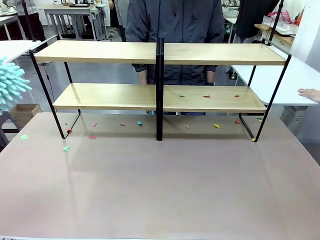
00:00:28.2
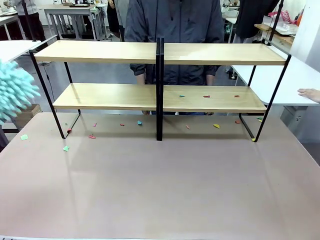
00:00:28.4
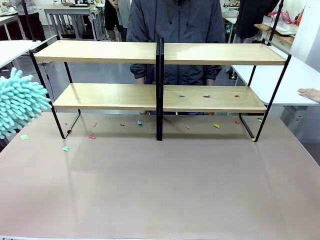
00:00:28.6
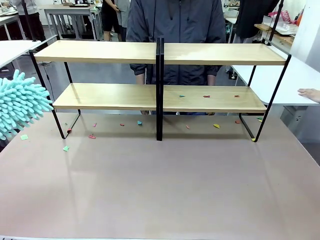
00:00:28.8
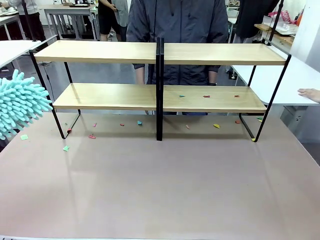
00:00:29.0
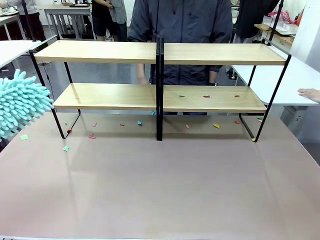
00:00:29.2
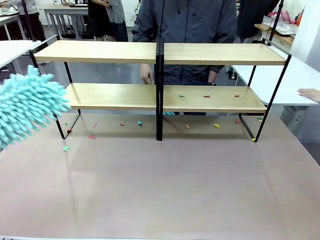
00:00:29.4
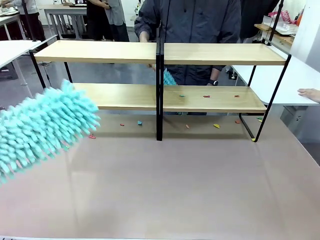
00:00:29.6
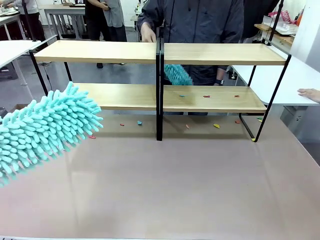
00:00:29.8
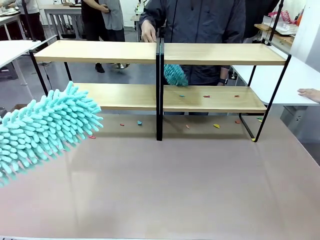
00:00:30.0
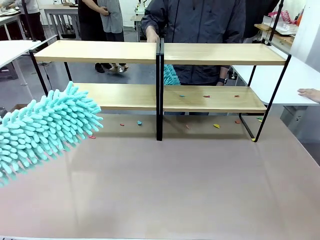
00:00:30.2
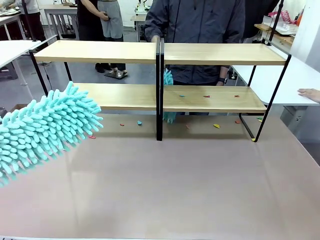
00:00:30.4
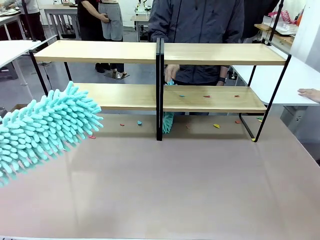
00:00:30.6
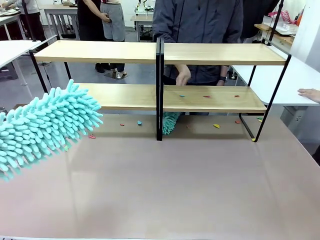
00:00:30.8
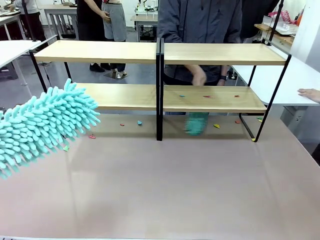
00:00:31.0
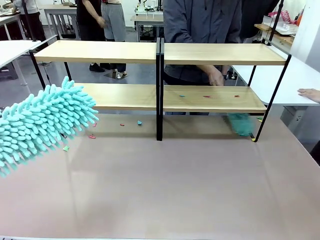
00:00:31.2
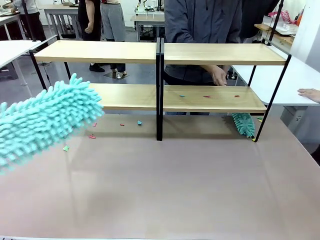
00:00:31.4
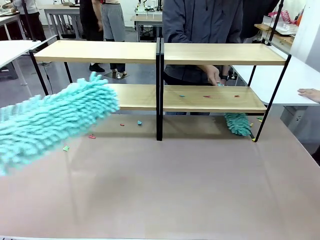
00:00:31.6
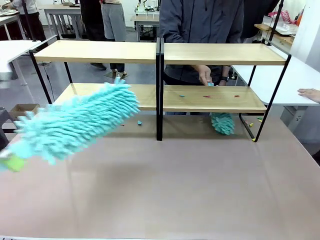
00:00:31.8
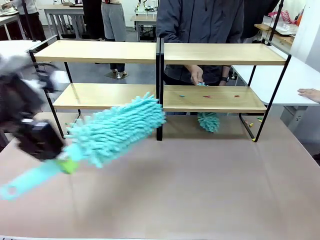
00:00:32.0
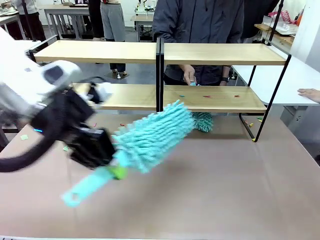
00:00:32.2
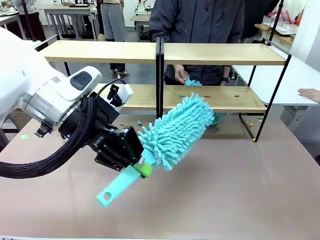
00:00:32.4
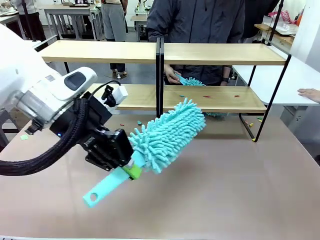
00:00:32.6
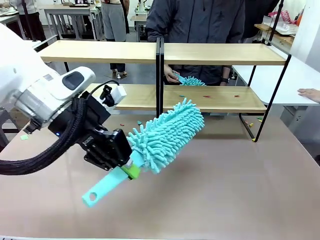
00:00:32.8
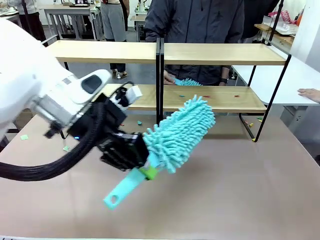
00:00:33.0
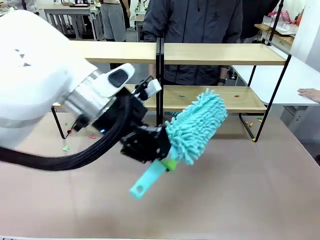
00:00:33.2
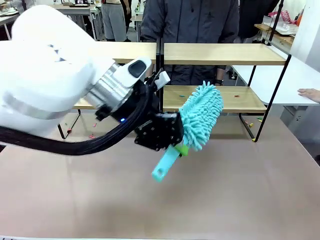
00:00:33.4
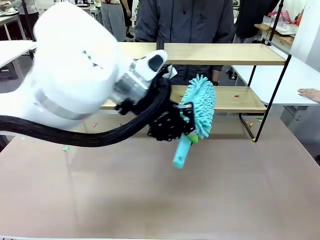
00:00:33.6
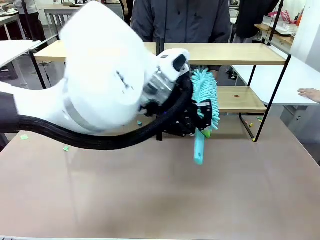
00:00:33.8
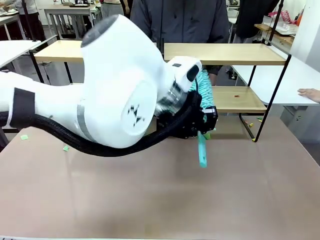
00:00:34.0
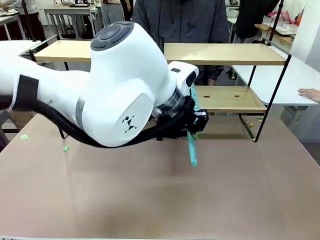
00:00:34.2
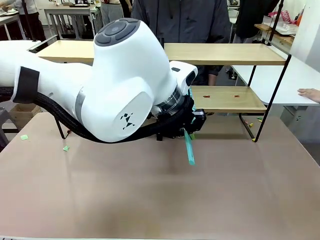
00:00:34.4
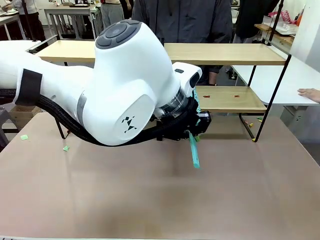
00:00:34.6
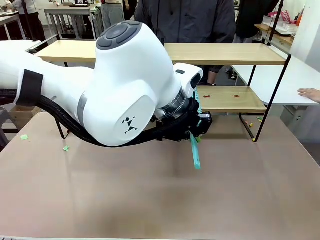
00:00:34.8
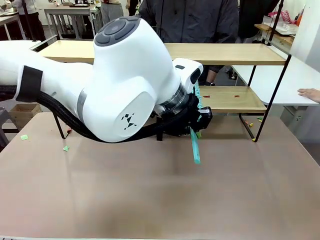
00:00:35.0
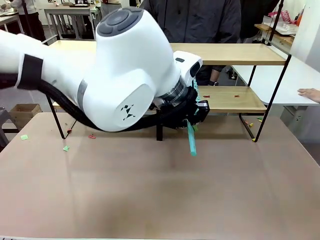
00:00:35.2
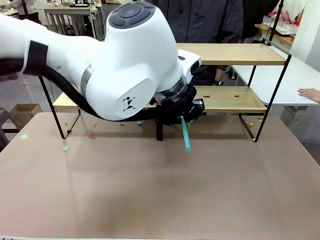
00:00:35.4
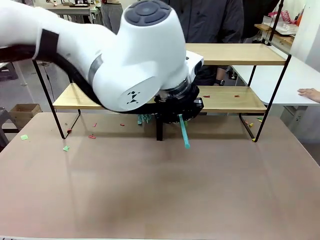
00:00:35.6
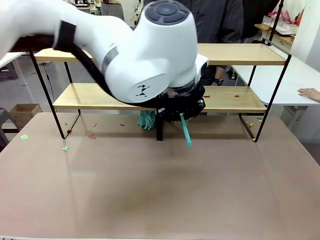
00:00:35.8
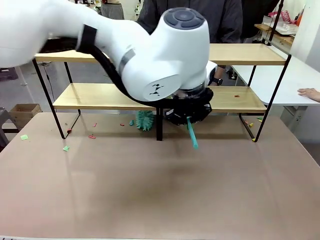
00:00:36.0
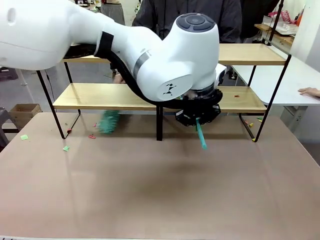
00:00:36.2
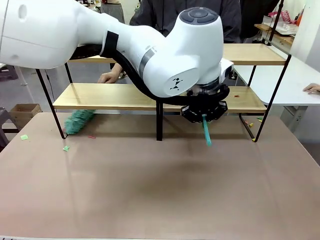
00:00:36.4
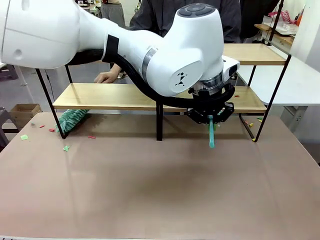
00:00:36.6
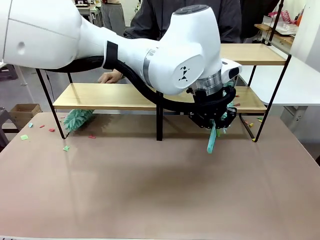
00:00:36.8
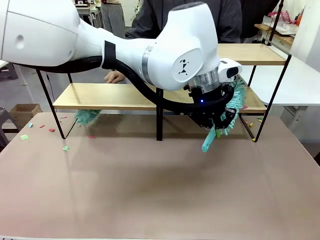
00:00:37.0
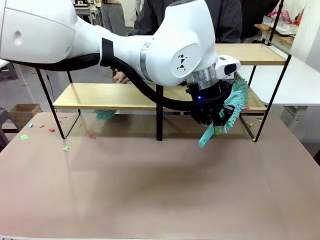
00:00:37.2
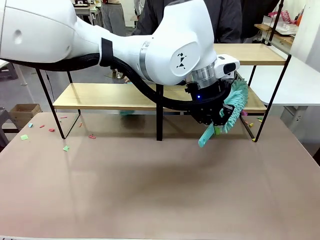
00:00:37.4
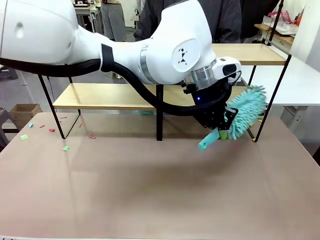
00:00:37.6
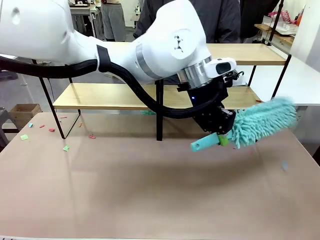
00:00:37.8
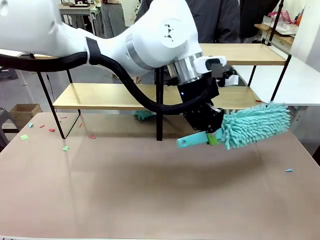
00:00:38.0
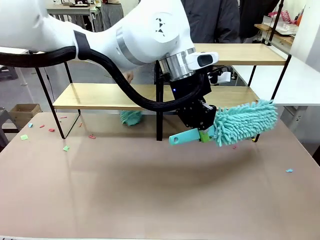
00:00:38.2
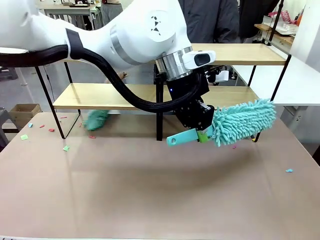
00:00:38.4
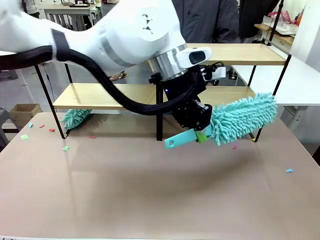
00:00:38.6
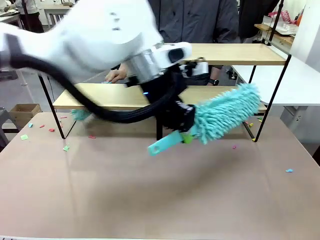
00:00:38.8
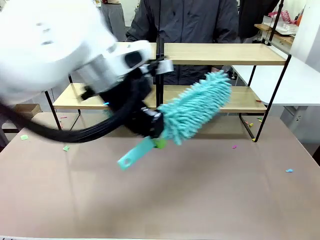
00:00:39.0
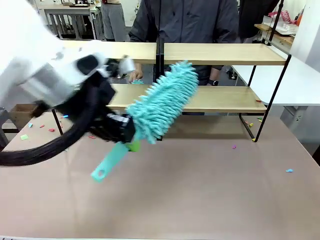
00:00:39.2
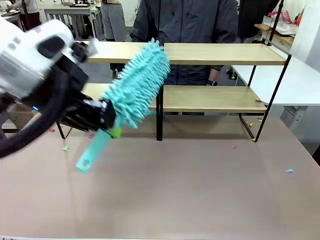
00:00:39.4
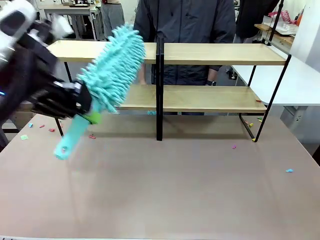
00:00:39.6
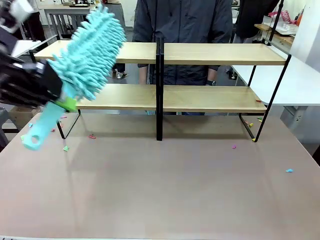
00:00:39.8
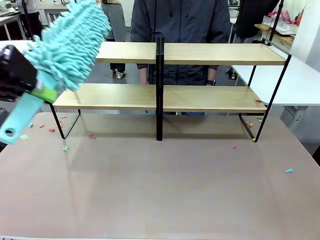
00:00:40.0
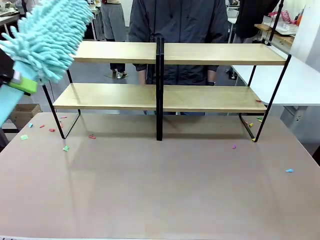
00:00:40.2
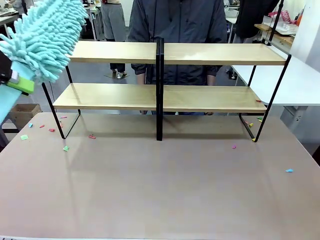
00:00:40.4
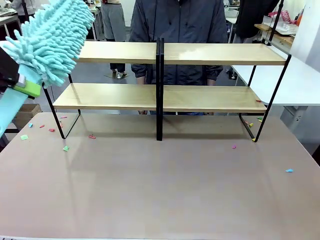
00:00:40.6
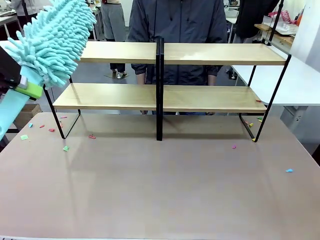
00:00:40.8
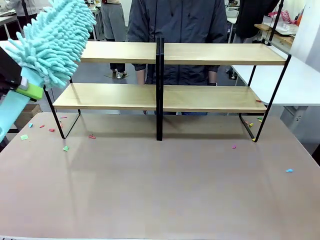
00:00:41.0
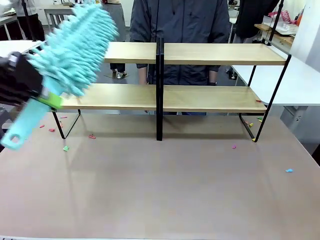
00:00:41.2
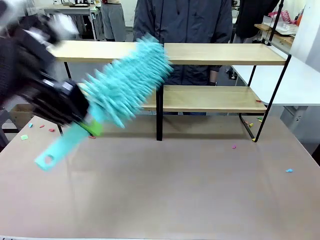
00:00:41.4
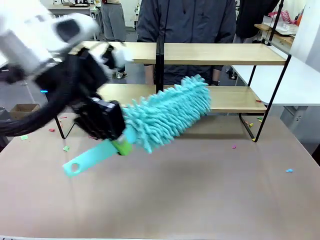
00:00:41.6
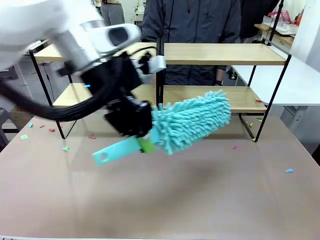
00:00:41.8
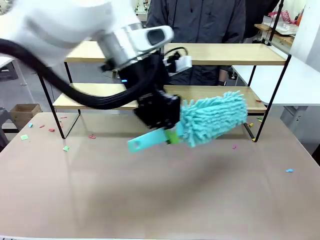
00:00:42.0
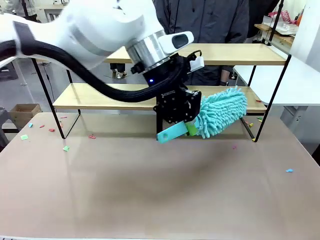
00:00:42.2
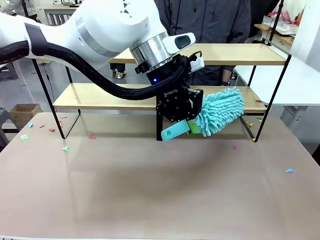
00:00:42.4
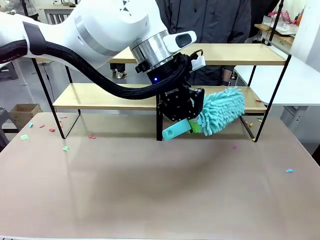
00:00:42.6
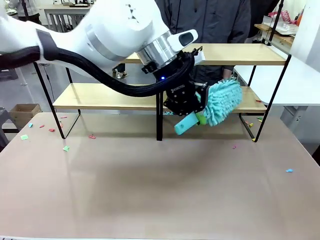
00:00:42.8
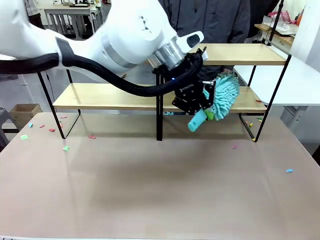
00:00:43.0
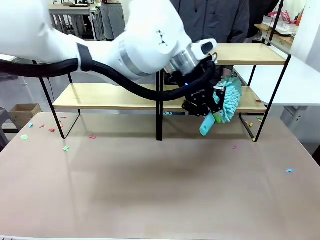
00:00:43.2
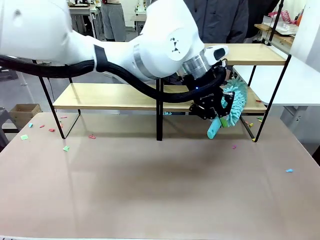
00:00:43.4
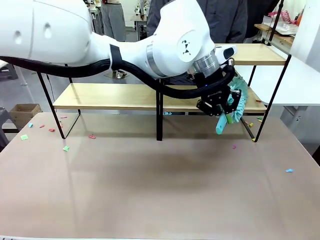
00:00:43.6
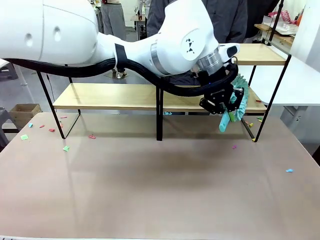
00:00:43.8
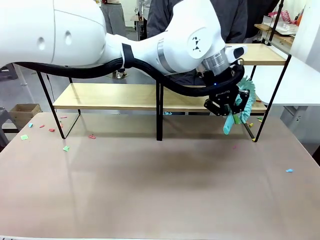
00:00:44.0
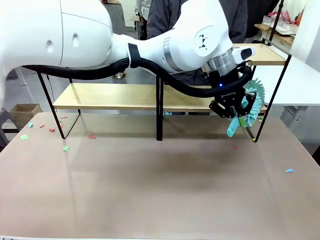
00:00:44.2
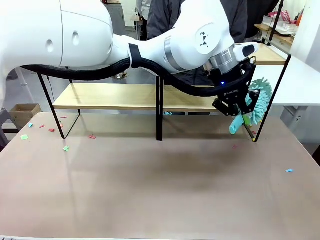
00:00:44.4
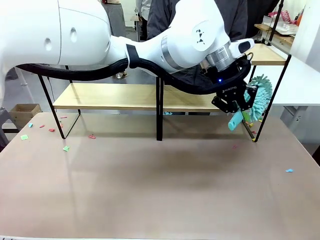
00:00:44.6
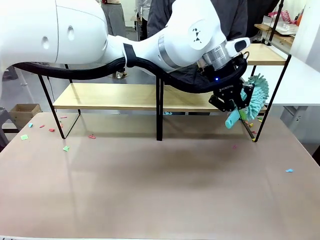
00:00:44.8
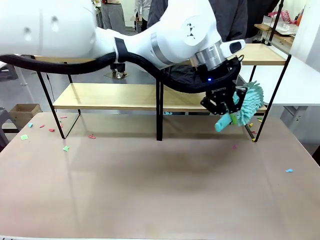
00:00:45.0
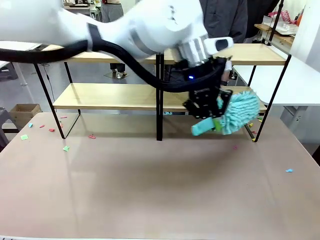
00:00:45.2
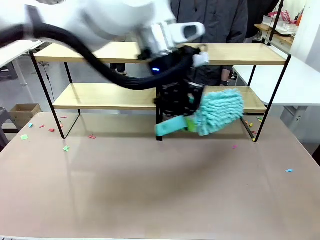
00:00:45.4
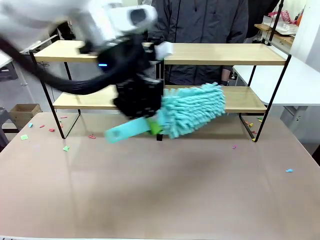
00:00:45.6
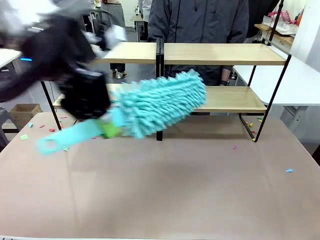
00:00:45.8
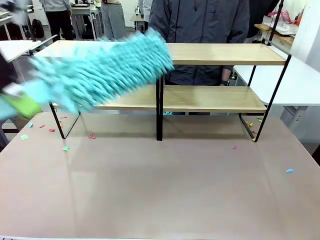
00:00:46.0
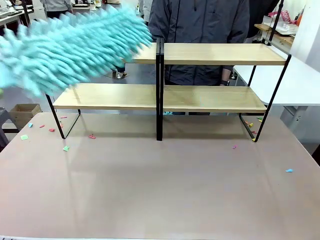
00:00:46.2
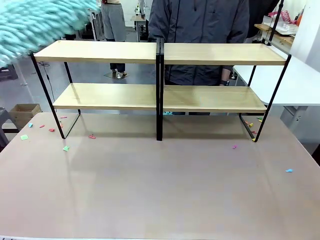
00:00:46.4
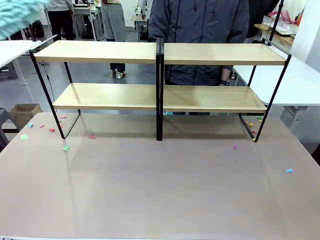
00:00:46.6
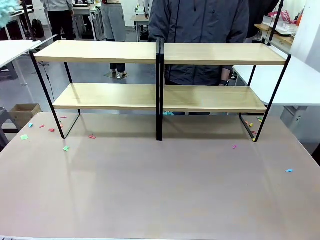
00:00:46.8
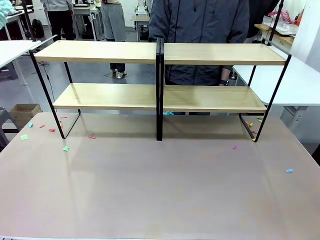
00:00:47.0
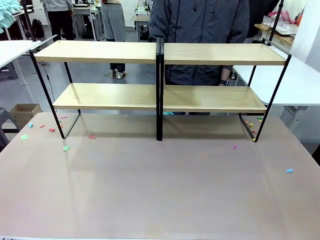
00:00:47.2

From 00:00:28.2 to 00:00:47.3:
Task: Clean the shelves.
Robot: Clean another randomly selected level of the Shelf with the Duster.

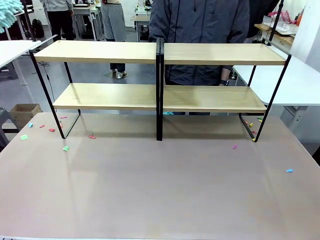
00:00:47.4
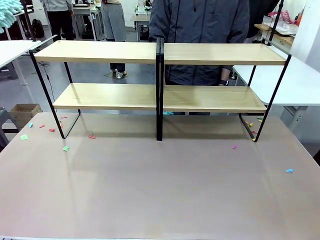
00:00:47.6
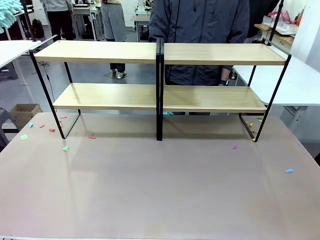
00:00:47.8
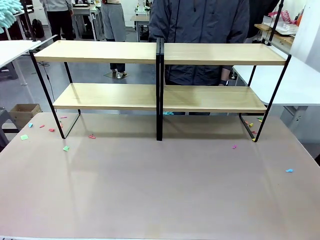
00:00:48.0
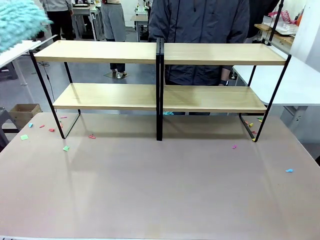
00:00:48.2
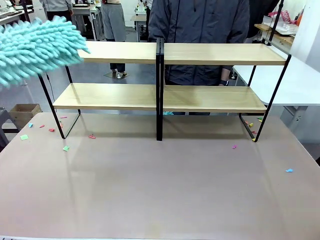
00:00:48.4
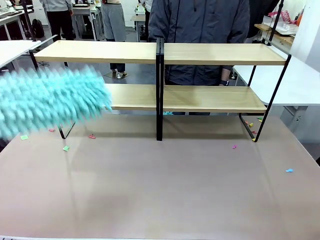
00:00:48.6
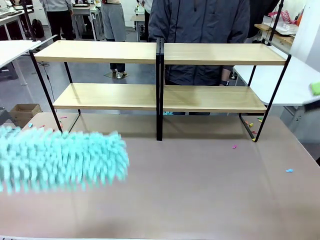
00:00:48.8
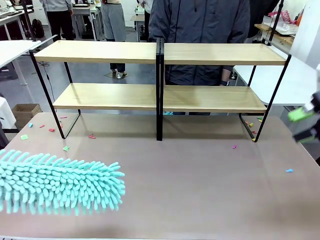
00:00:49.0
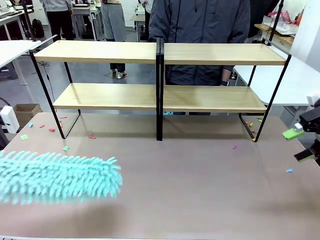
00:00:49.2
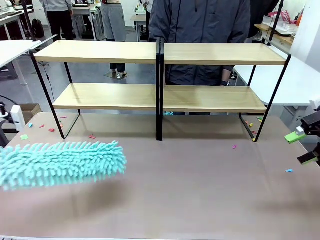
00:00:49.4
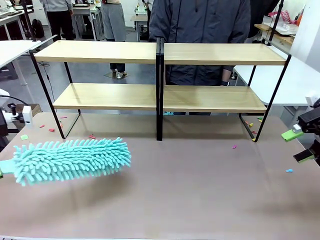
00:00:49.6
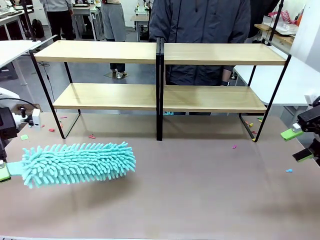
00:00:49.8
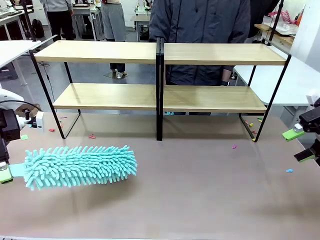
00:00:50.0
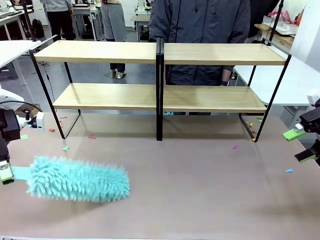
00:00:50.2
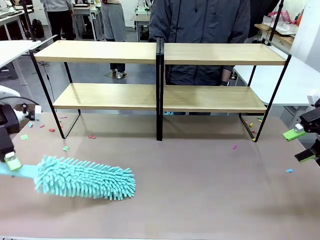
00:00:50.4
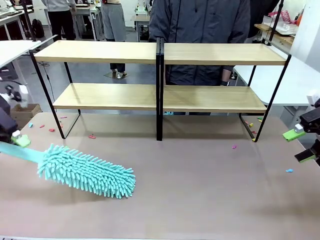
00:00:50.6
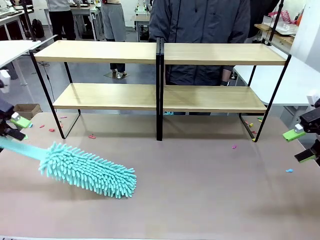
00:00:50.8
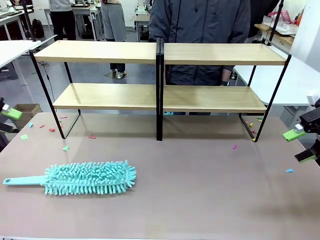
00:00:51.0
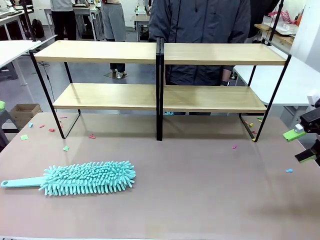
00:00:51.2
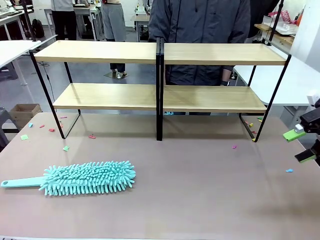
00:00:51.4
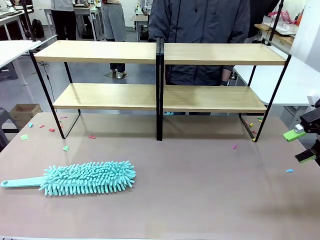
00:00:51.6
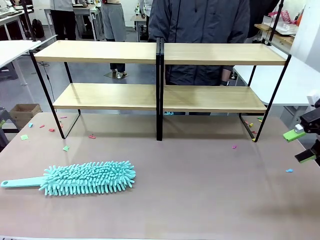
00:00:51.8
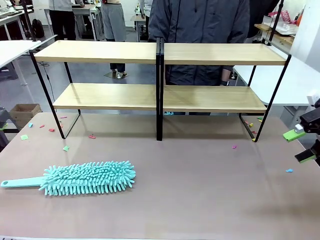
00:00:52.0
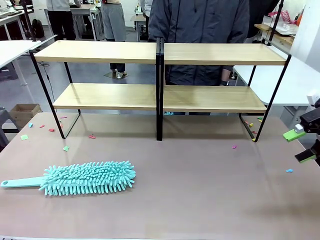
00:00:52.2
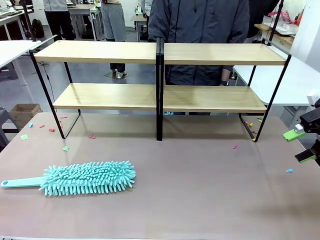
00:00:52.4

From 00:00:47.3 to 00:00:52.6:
Robot: Place the Duster on the table.
